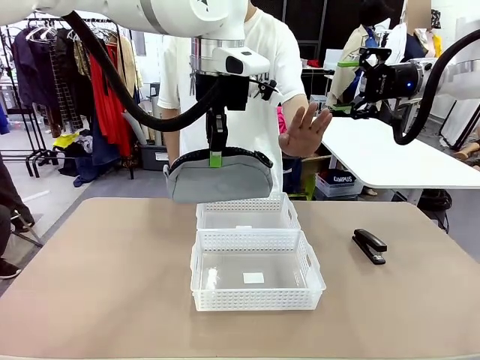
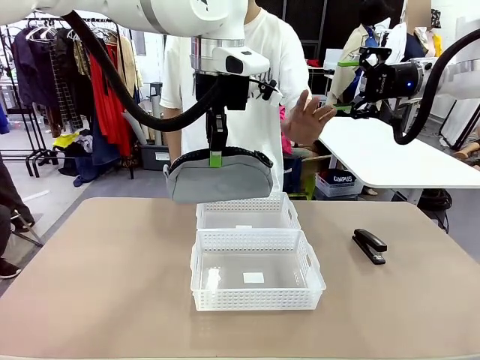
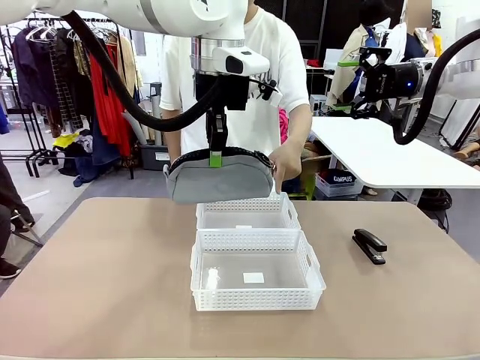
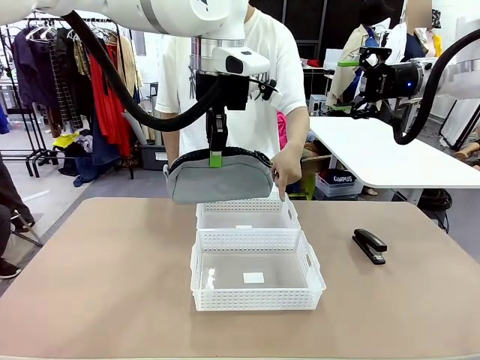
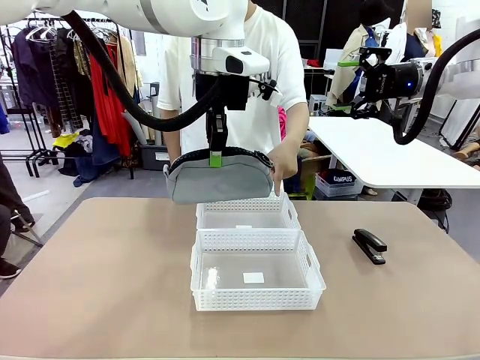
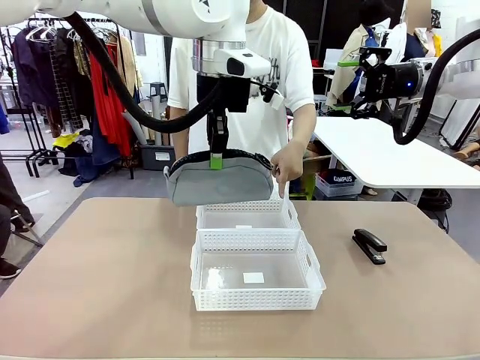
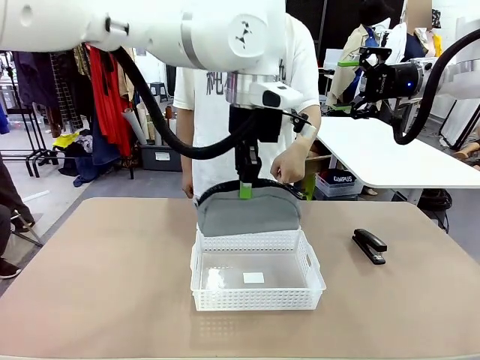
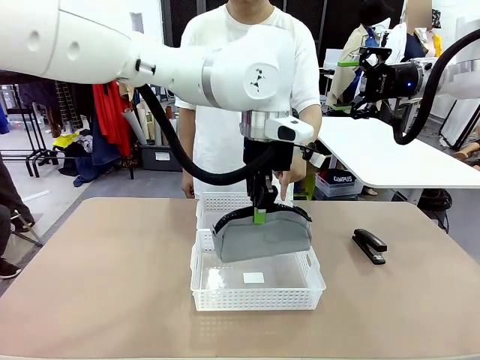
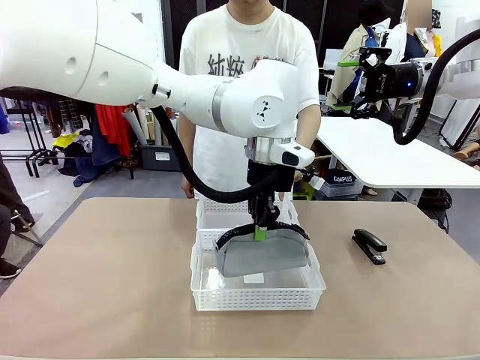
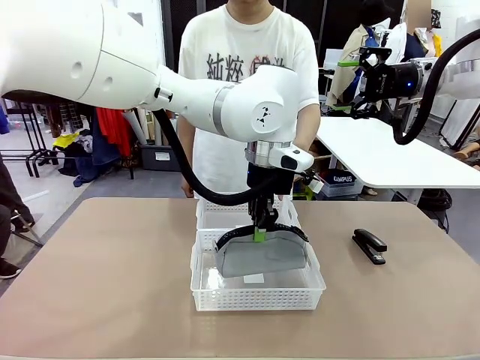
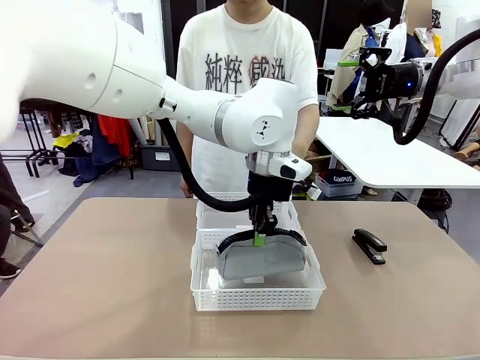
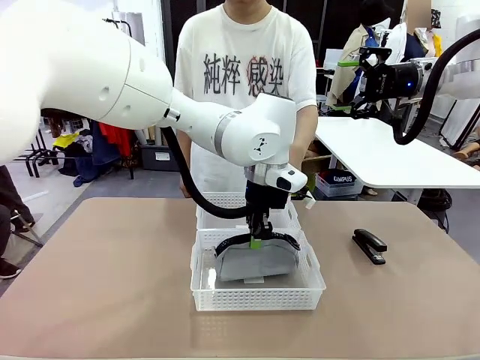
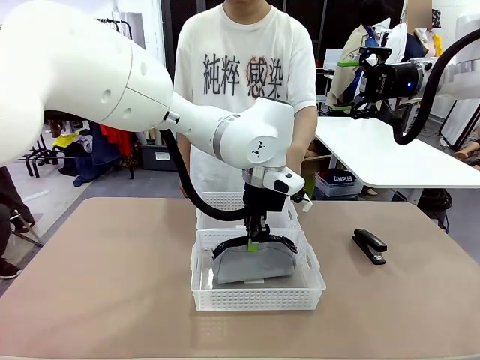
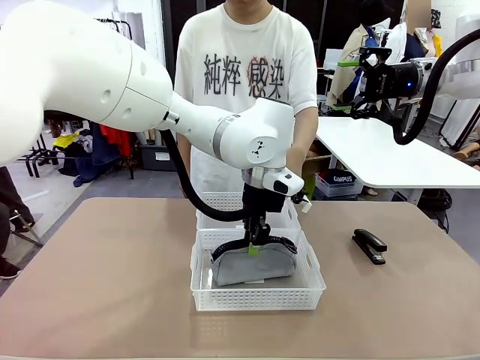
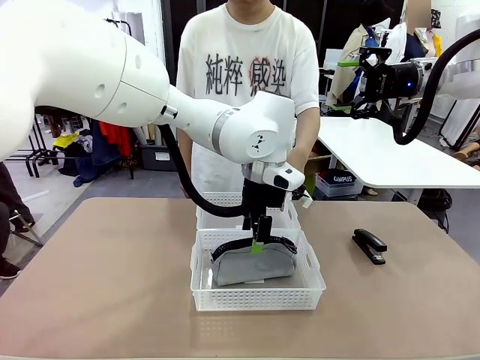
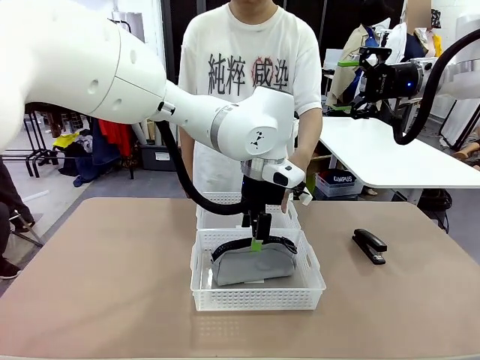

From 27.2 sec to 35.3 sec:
Task: Distribute items into two baskets.
Robot: Place the picked Pencil pouch into the Organizing basket as instructed by the person.
Person: Instructs the robot to place the pencil case into the opposite basket.

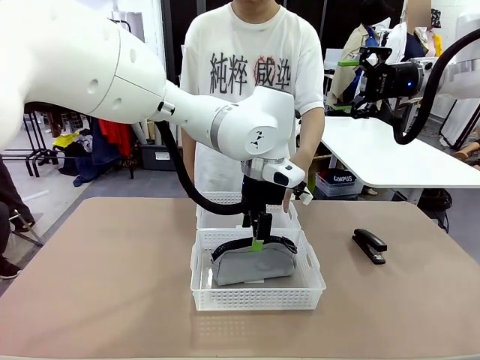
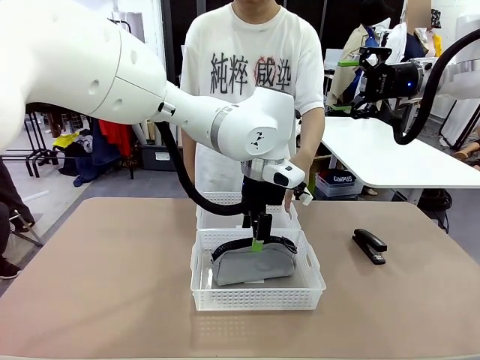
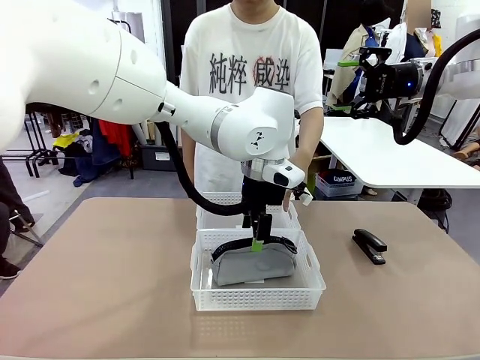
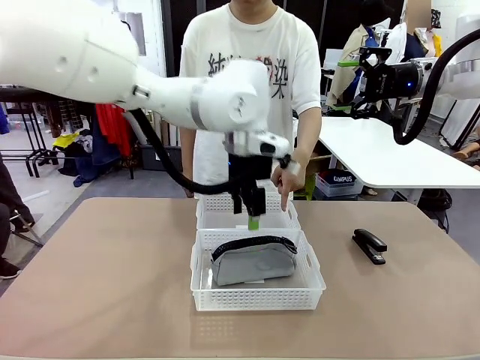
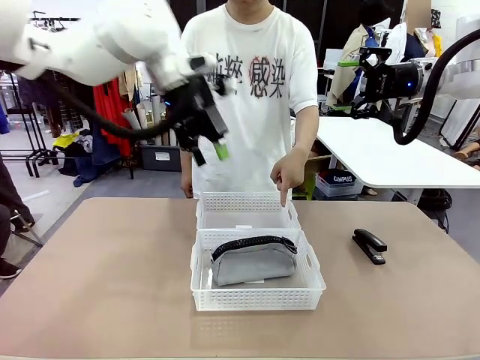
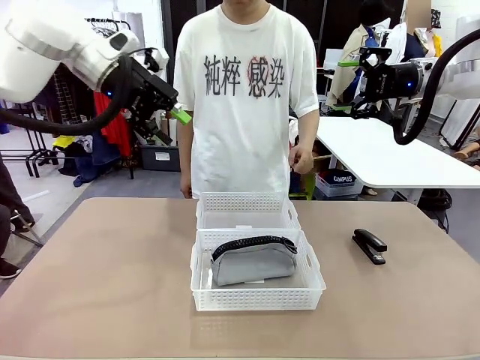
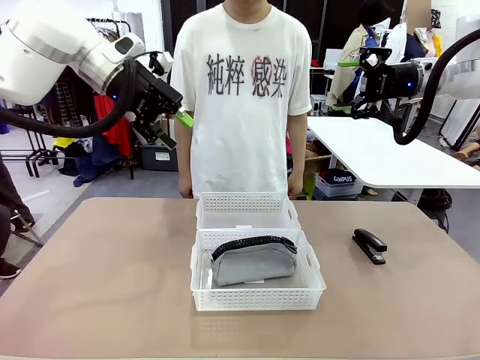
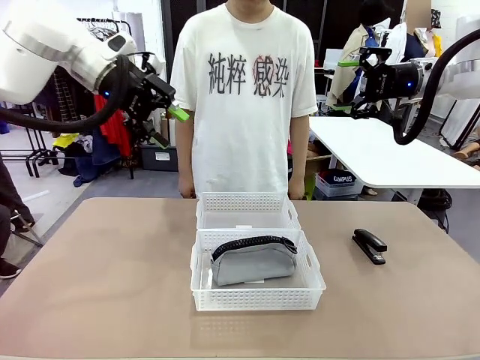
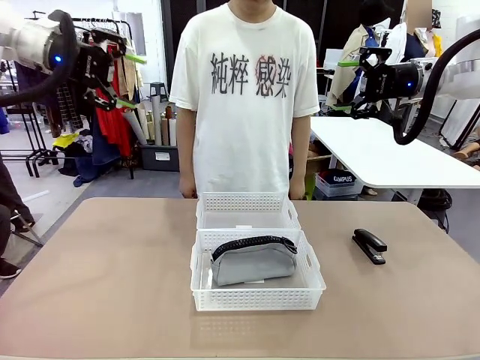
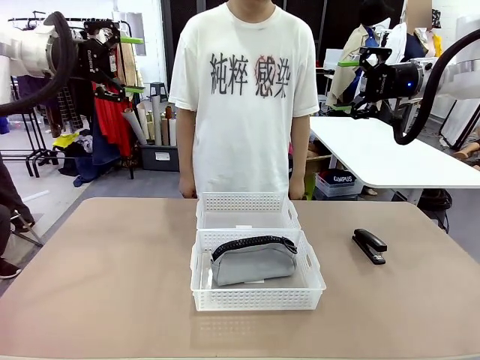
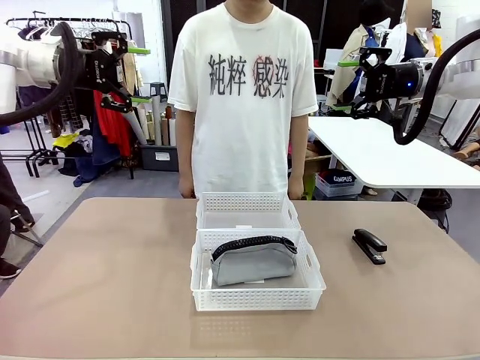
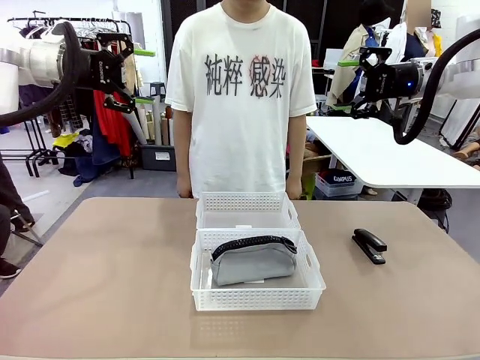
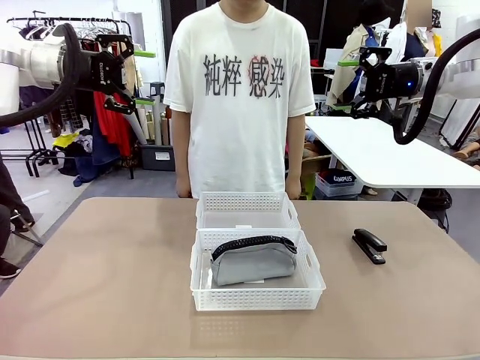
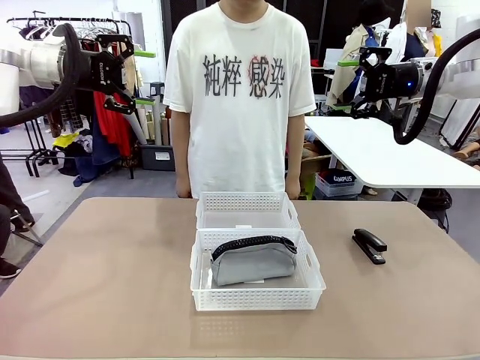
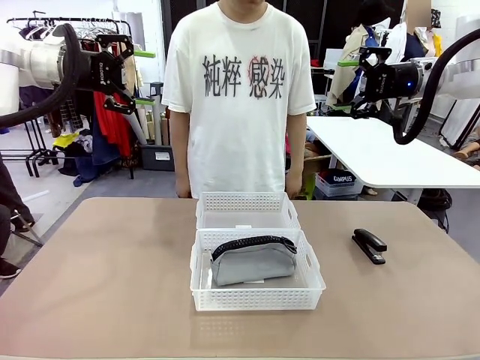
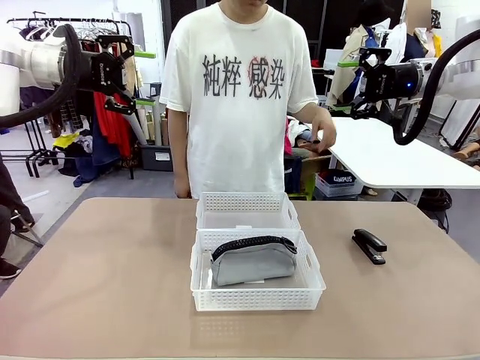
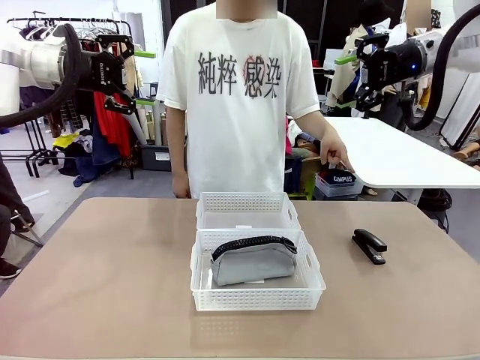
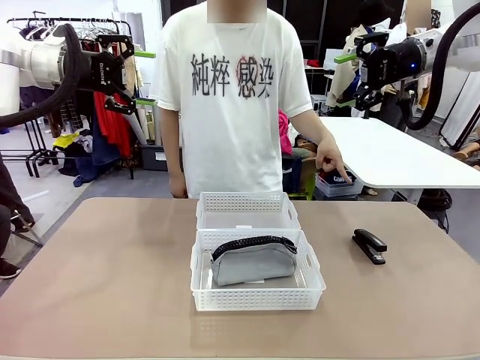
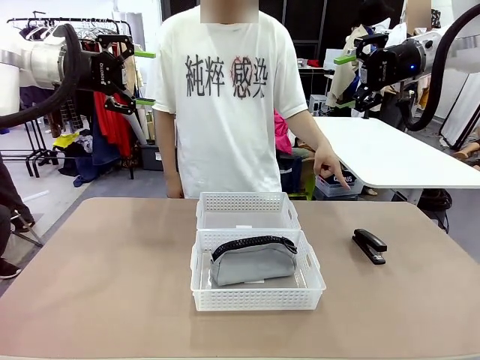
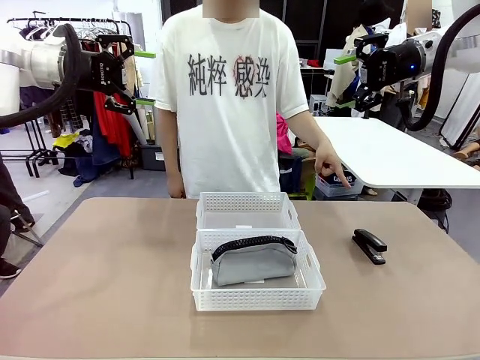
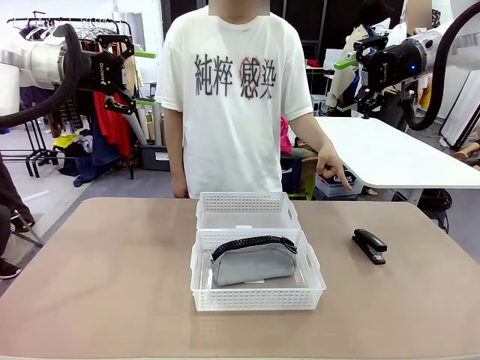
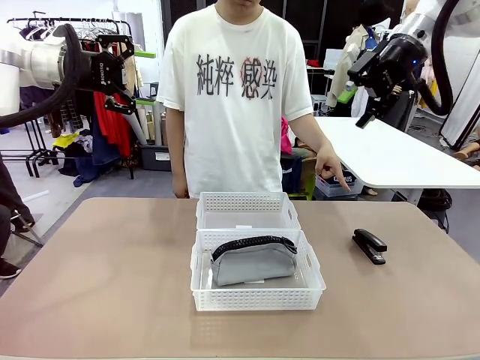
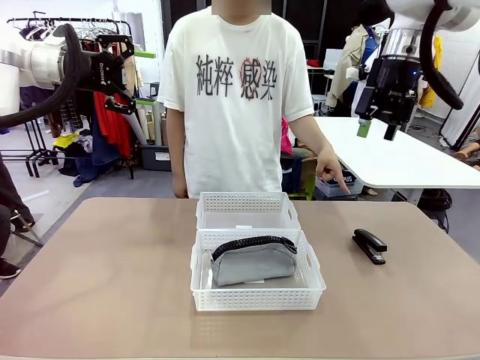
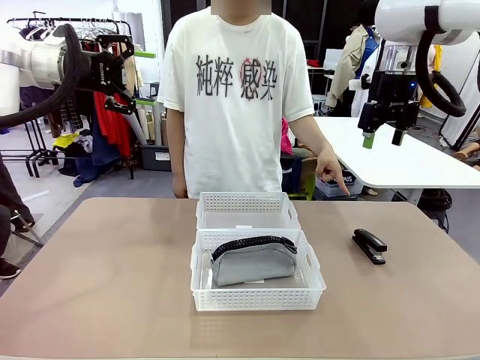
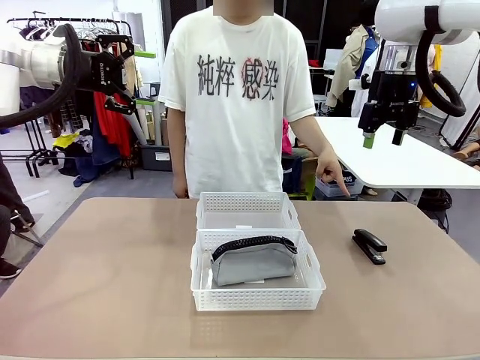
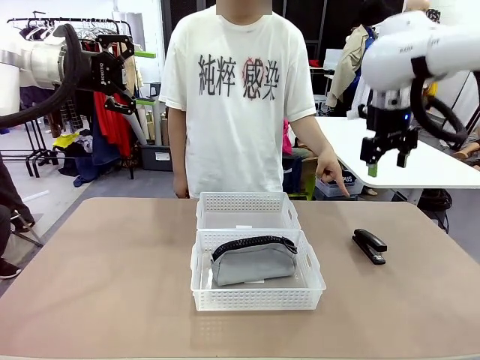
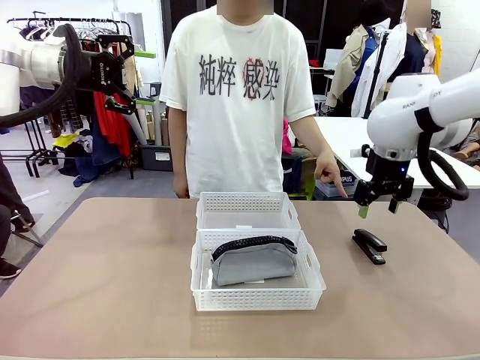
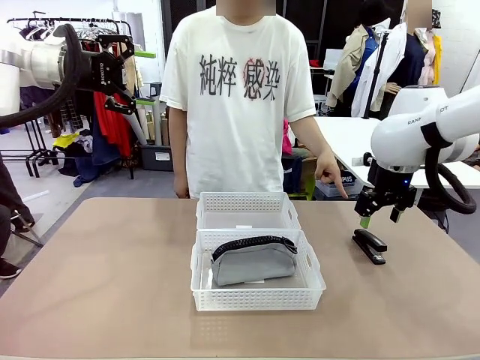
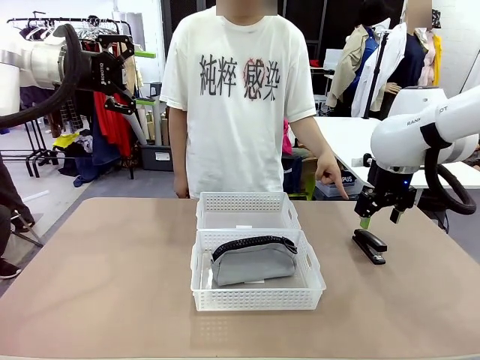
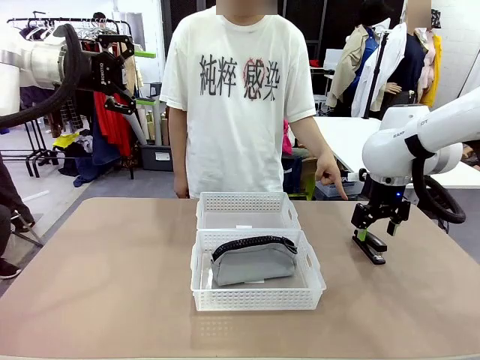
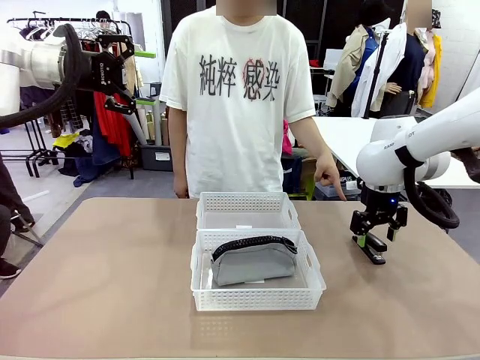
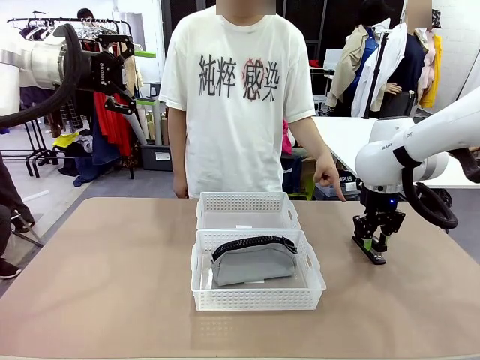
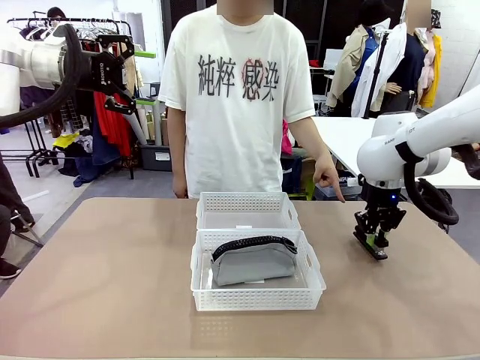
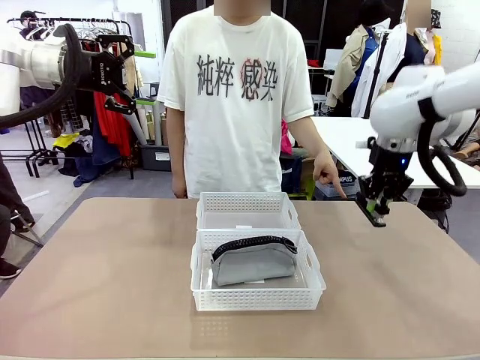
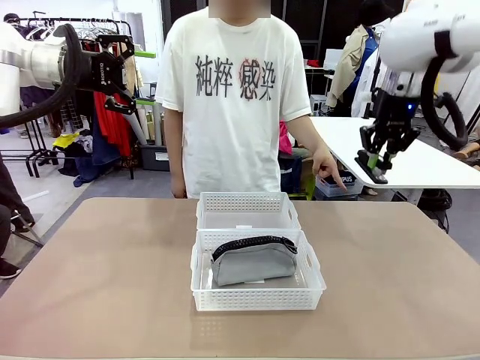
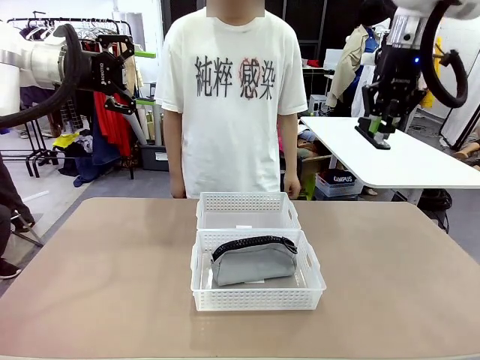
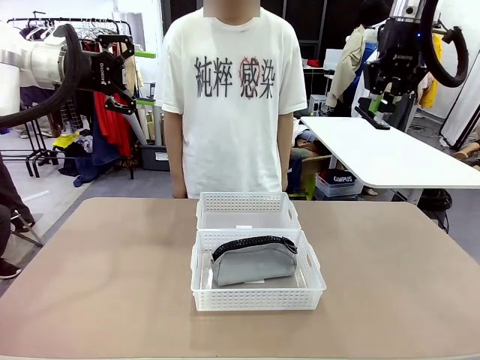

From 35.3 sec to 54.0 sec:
Robot: Pick up the Stapler that the person points to.
Person: Points to the stapler.
